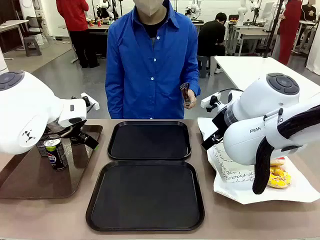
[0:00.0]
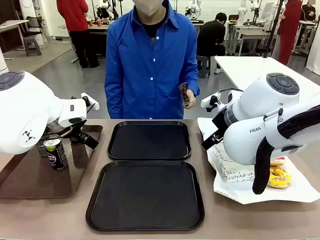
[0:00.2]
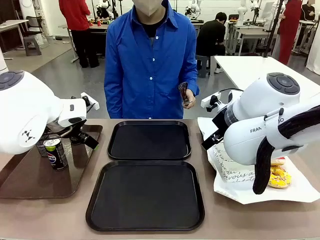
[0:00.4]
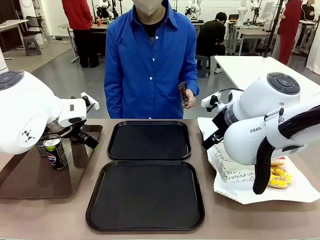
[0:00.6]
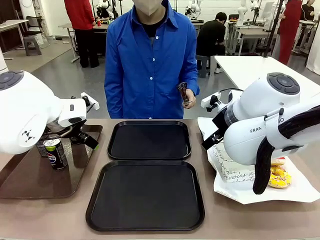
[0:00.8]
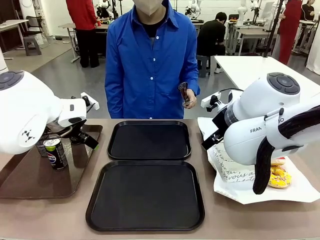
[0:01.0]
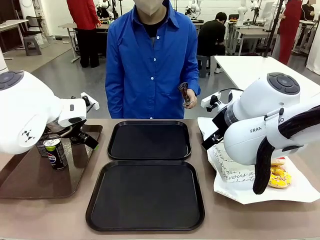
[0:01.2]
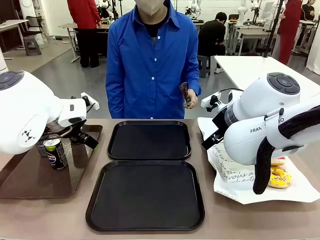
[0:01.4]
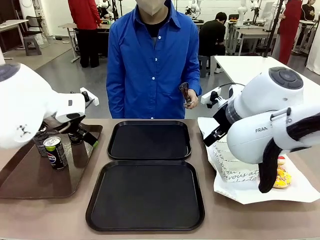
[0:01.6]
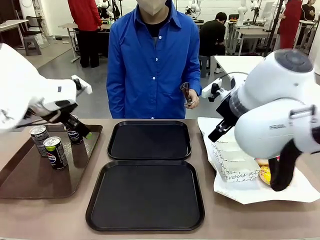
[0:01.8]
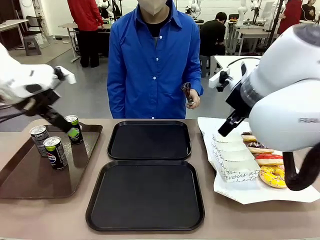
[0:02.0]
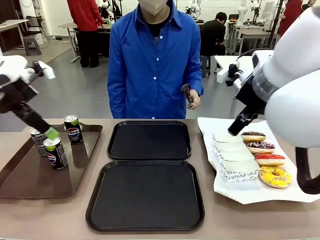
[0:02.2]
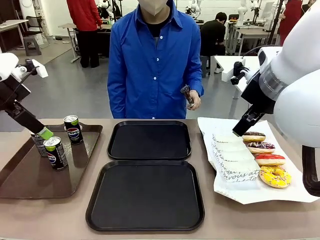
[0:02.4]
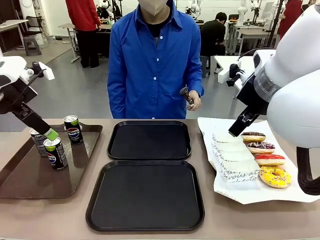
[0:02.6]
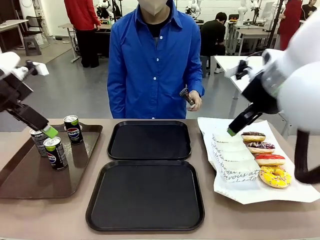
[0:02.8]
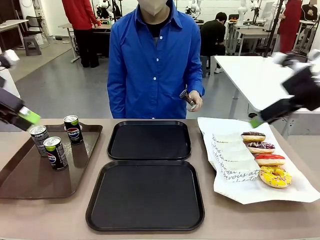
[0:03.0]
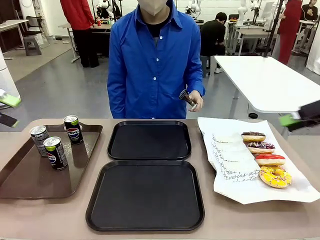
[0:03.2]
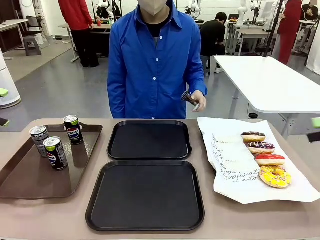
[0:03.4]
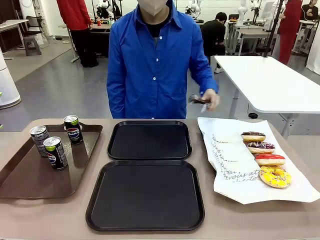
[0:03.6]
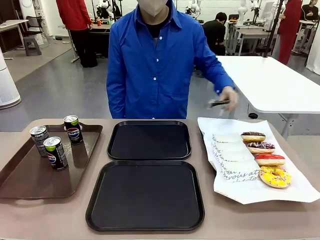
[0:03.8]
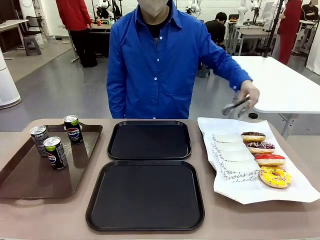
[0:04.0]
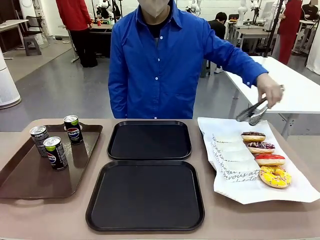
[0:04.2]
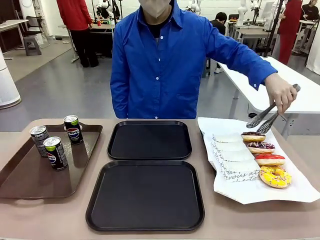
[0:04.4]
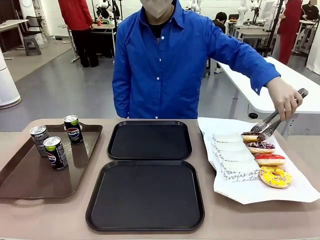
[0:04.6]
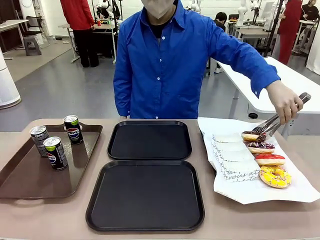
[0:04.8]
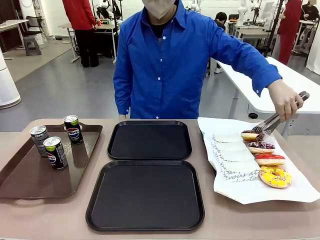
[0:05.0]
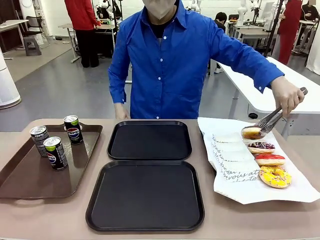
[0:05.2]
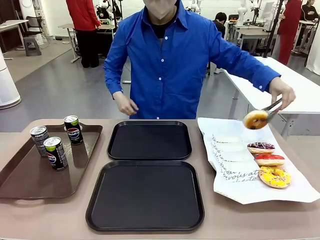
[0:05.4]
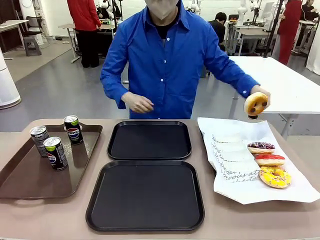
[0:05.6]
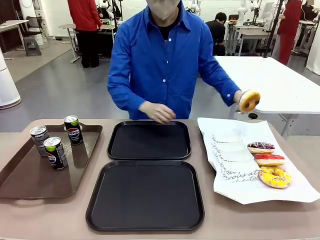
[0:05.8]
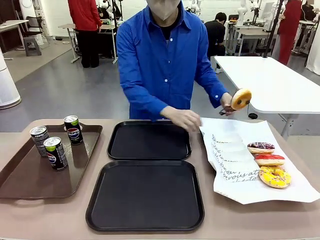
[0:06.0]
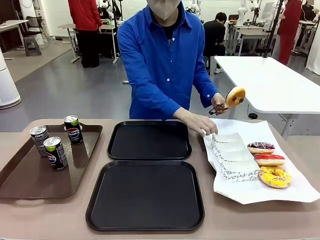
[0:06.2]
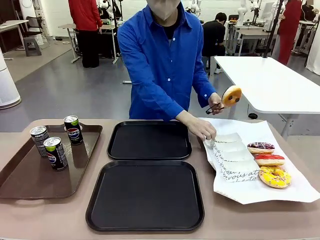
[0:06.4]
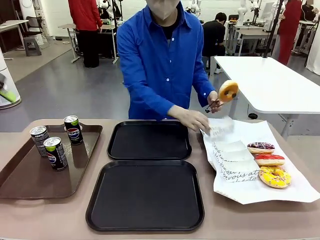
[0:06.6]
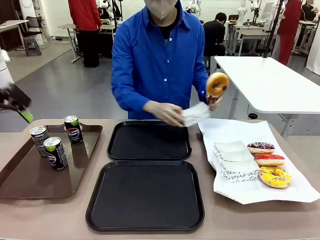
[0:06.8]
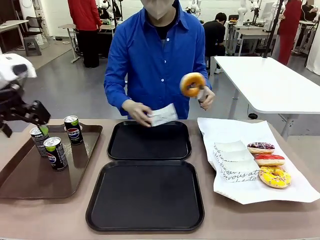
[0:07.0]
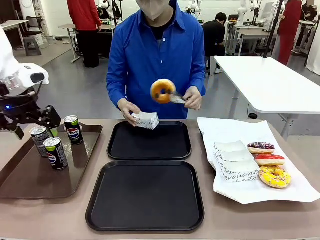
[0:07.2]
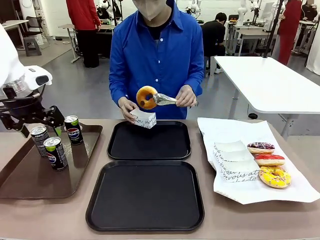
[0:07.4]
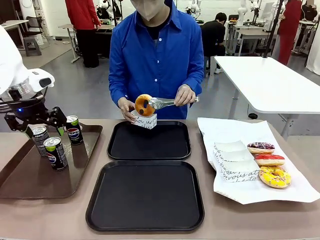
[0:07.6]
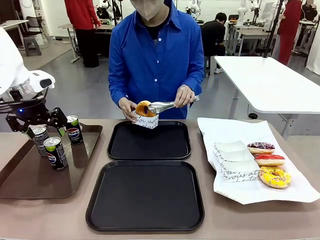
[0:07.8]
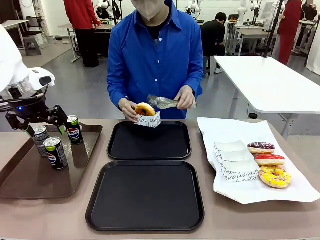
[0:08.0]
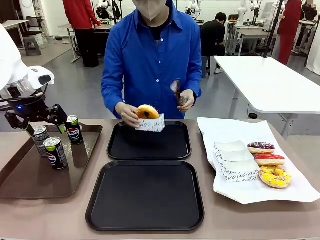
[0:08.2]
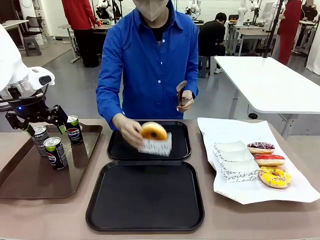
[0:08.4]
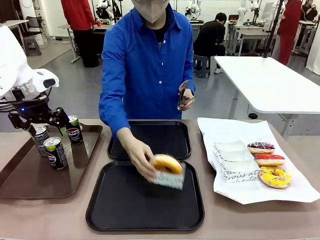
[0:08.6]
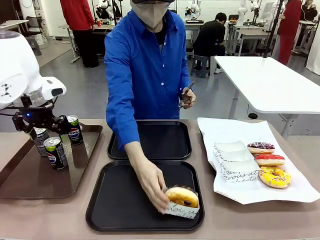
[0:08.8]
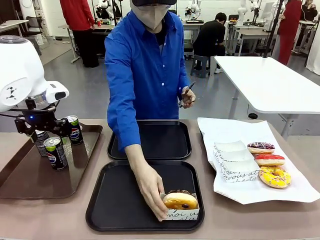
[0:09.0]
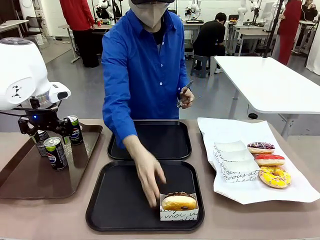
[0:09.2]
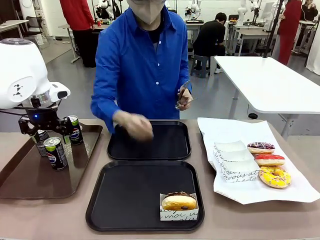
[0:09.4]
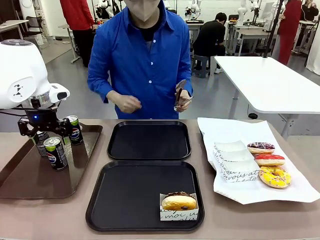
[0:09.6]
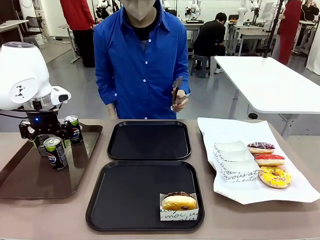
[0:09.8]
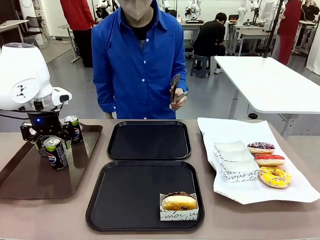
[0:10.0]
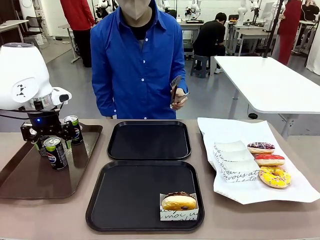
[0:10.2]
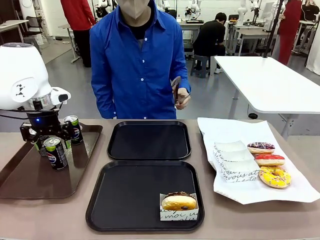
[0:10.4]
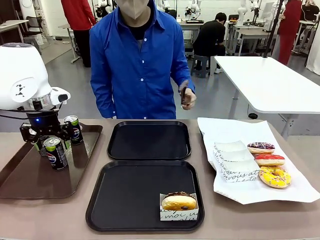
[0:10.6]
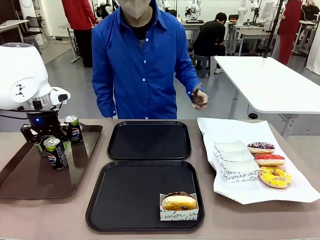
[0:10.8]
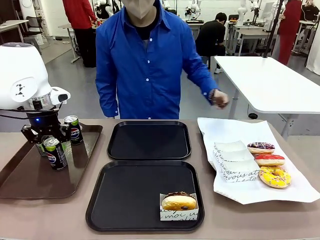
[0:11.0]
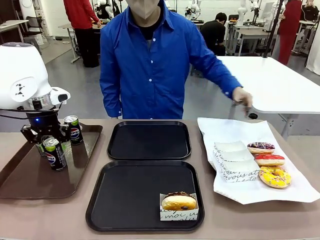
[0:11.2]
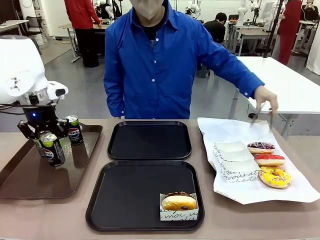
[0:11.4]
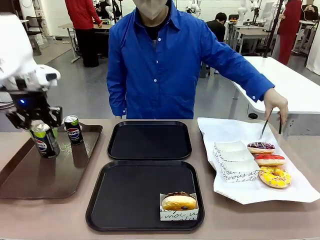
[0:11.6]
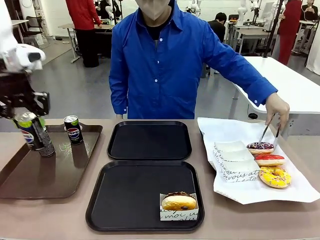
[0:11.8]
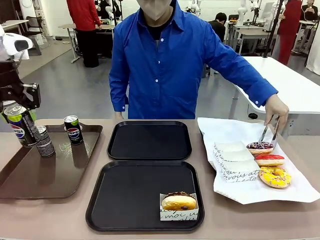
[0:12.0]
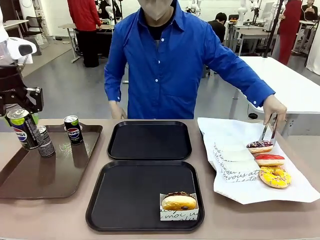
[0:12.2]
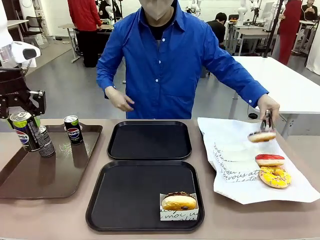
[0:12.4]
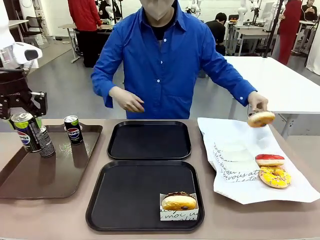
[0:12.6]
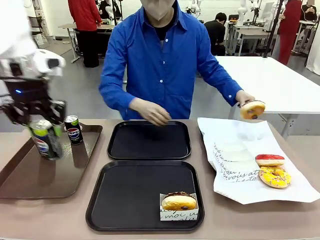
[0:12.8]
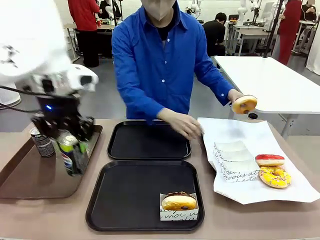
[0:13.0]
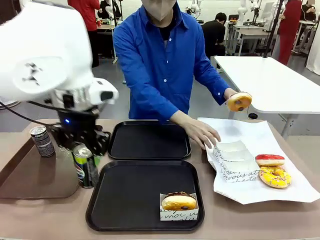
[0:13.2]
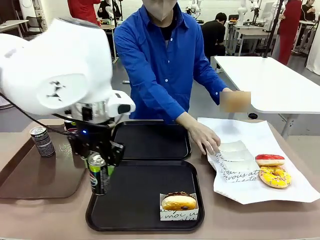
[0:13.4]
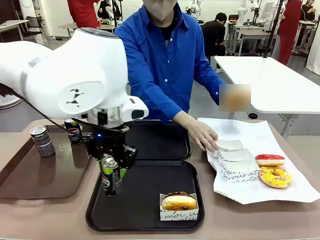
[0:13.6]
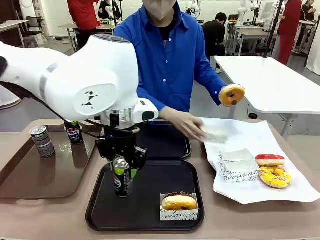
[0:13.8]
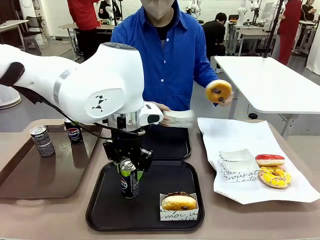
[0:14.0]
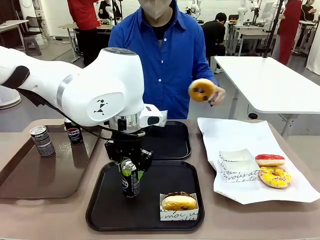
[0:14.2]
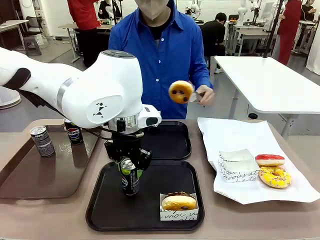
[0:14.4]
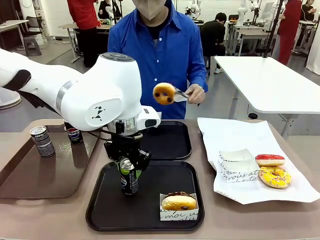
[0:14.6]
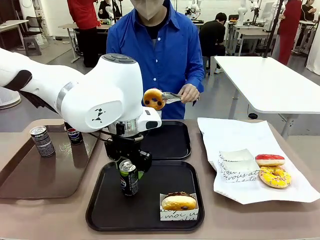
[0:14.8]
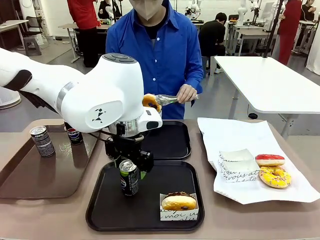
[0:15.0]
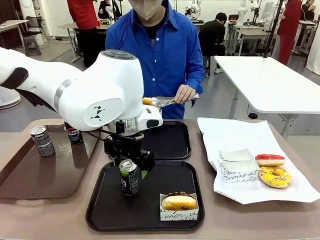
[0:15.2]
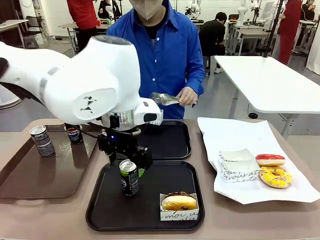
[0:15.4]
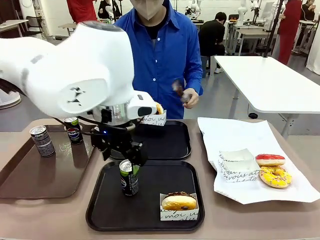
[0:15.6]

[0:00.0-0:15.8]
Task: Set up donuts and drinks on trays.
Robot: Pick up one Pepsi coke and place it on the Flat Tray.
